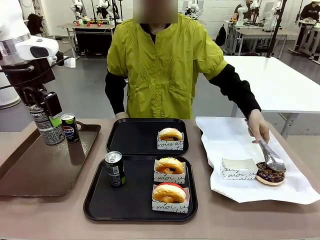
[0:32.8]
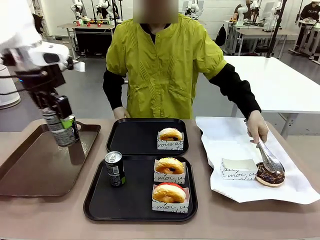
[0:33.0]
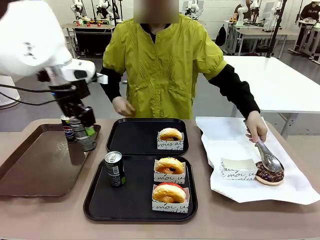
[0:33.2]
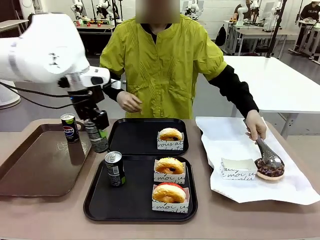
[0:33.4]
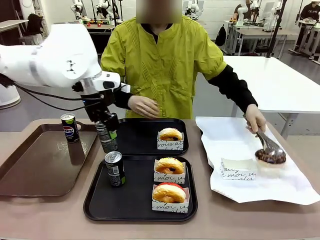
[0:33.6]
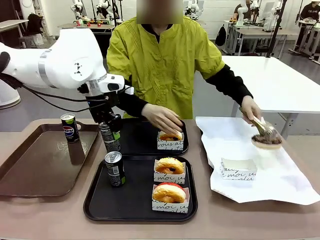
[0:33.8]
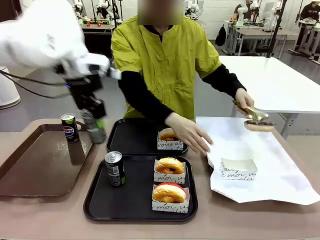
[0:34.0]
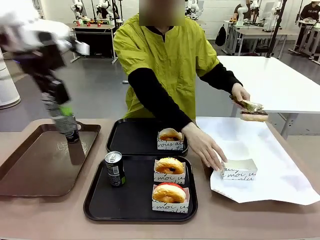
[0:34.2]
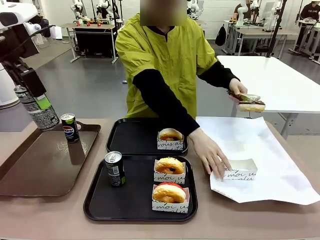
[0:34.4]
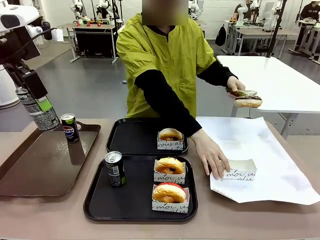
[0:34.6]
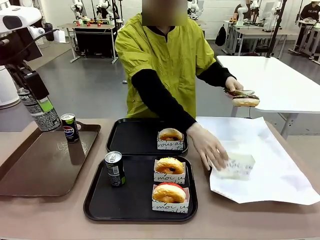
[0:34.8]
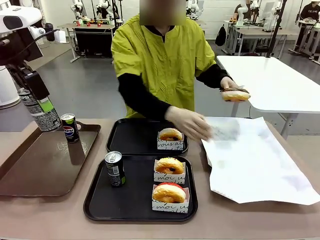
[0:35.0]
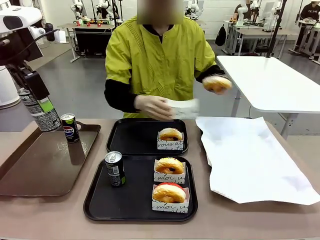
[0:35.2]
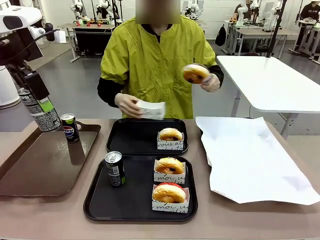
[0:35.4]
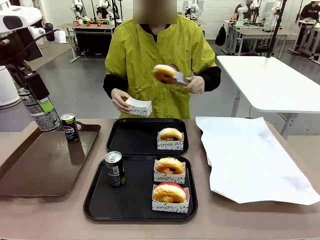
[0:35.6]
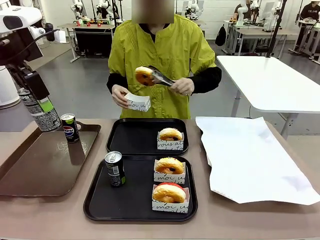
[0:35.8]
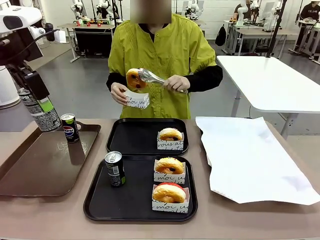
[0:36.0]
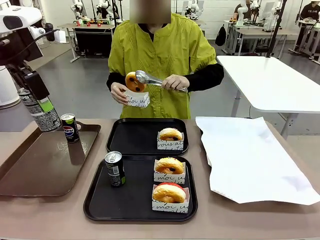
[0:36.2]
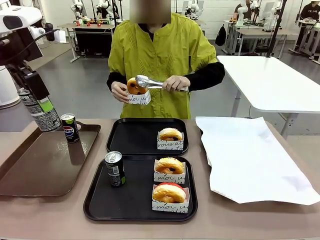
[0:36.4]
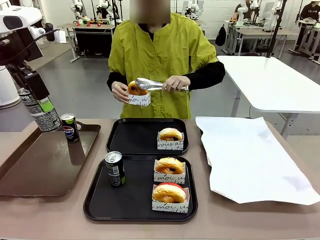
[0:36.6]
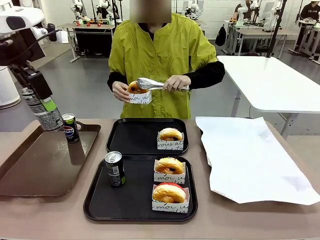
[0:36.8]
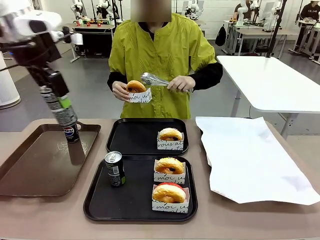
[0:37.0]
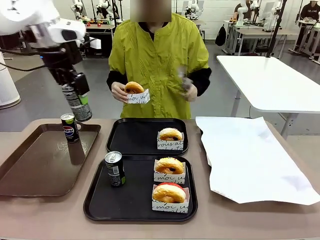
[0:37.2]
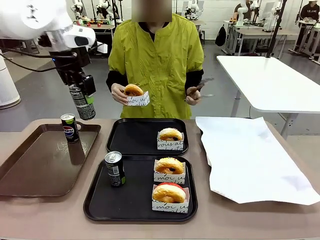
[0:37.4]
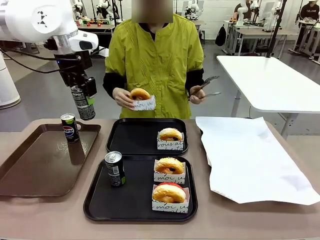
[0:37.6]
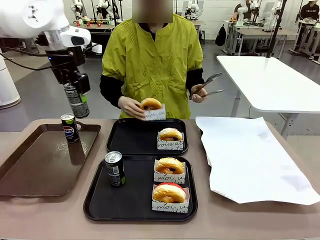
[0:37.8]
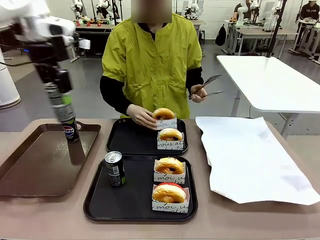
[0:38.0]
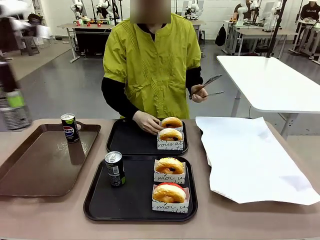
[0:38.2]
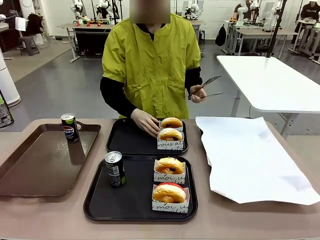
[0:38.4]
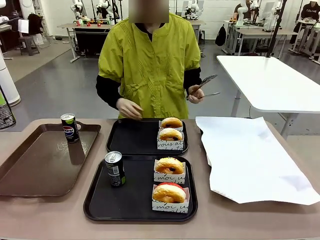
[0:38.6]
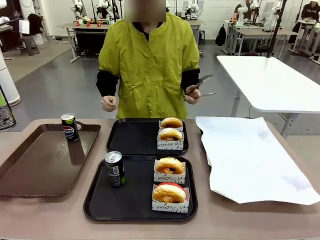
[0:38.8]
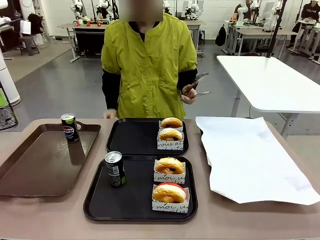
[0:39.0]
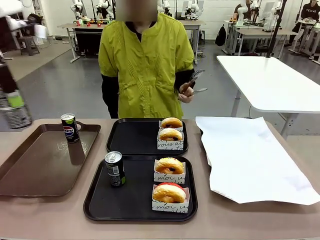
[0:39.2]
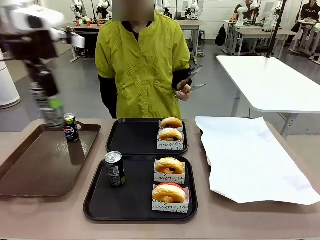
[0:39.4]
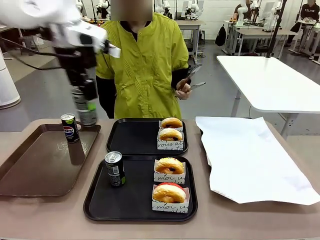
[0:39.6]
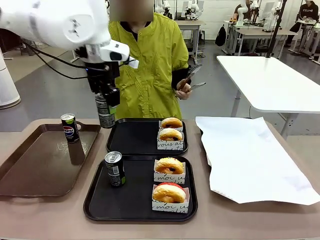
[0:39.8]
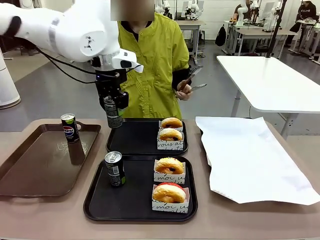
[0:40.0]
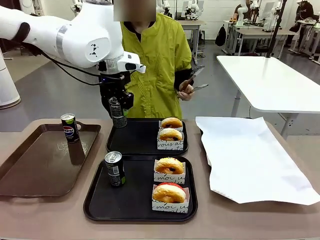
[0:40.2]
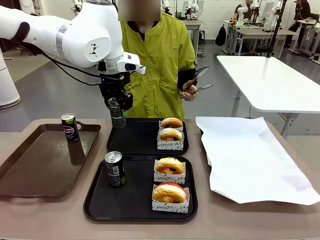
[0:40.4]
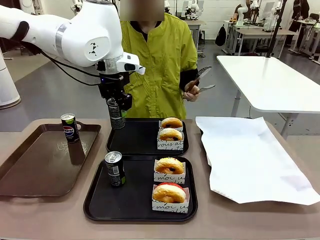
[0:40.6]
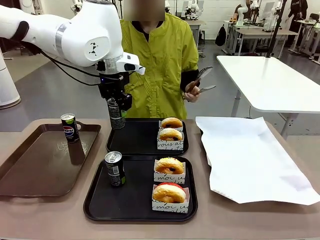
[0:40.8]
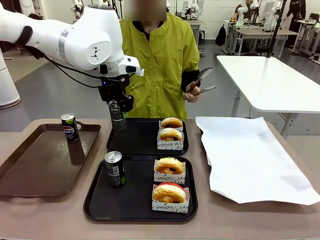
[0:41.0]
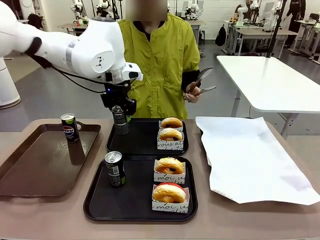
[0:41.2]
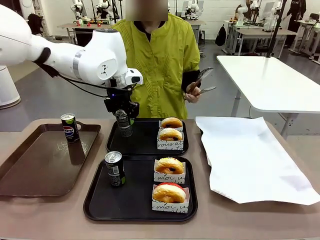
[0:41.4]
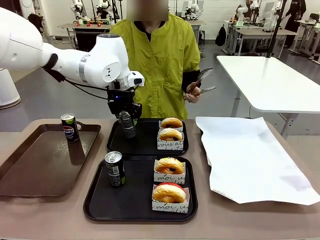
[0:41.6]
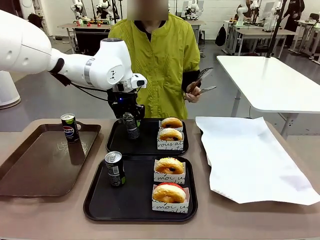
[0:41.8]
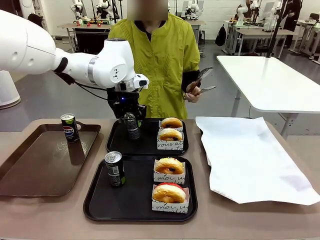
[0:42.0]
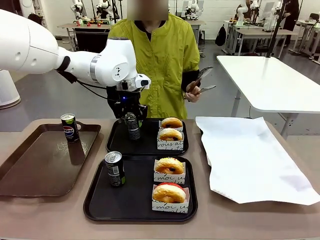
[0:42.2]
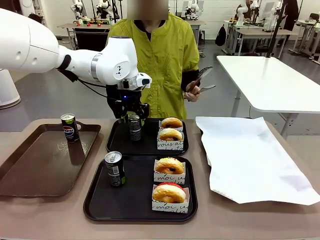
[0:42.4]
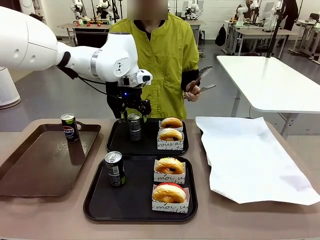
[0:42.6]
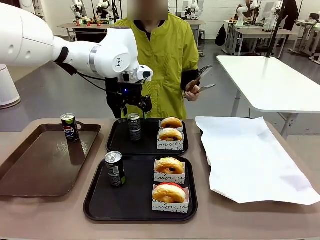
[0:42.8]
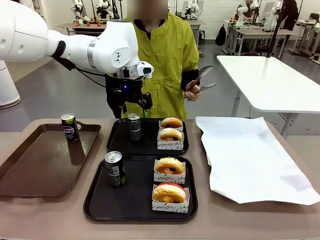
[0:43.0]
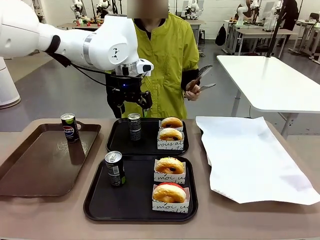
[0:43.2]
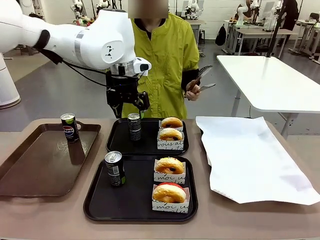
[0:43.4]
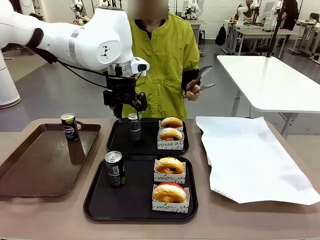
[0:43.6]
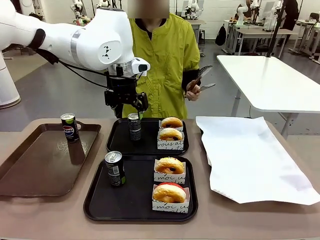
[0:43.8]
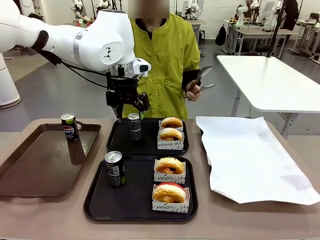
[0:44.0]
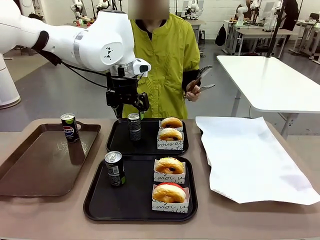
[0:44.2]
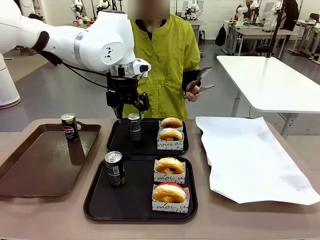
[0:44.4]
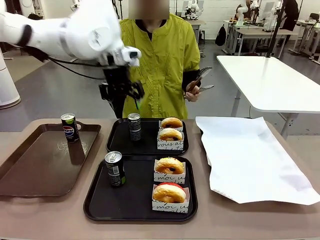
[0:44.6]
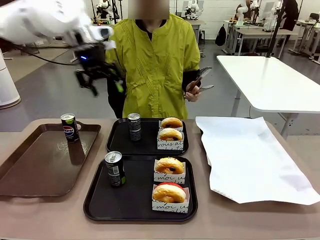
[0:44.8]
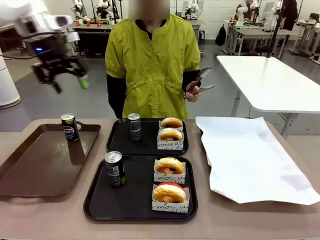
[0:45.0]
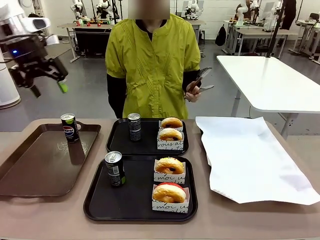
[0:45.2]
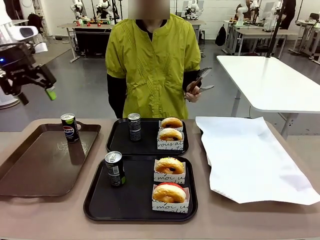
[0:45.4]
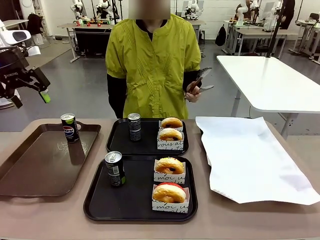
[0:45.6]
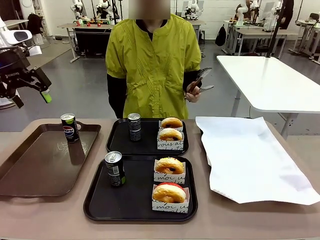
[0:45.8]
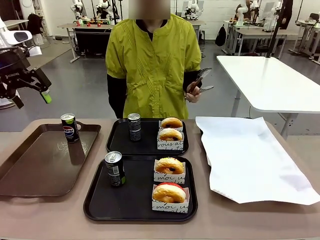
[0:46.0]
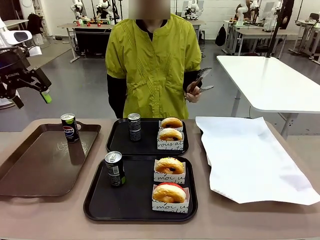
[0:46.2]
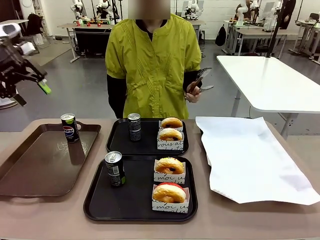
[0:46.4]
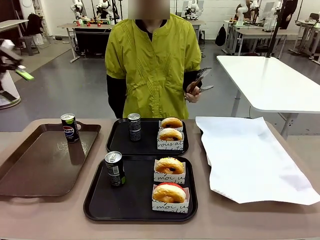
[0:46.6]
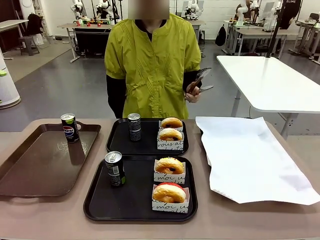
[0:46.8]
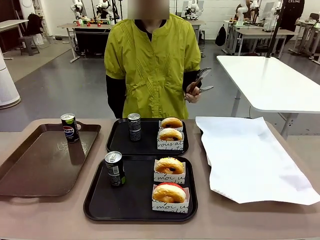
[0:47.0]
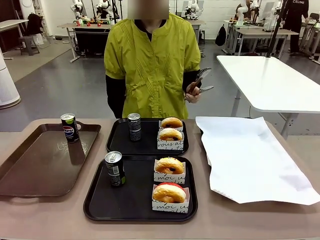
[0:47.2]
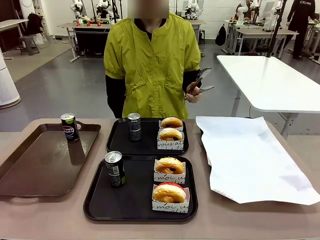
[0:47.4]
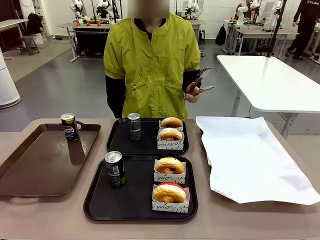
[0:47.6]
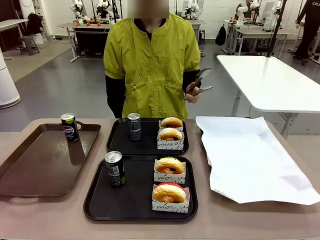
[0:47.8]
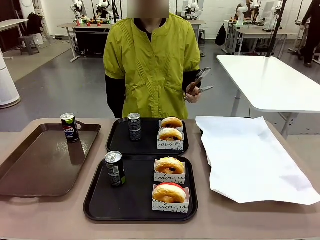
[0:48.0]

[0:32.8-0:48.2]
Task: Set up donuts and drinks on trays.
Robot: Pick up one Pepsi coke from the Handle tray and place it on the Flat Tray without a Pepsi coke.

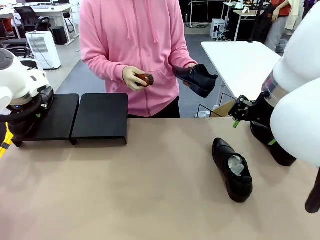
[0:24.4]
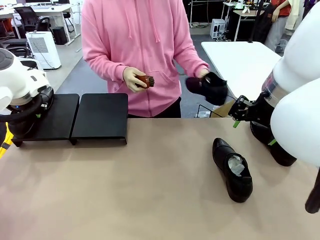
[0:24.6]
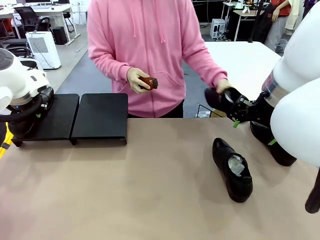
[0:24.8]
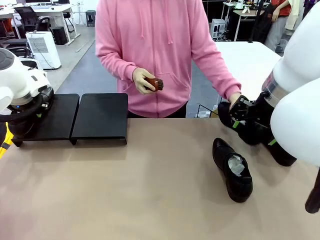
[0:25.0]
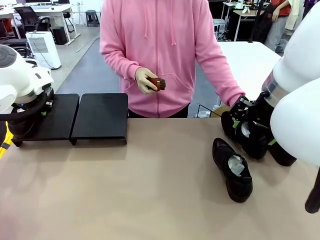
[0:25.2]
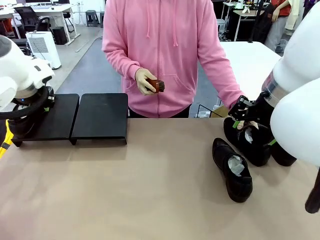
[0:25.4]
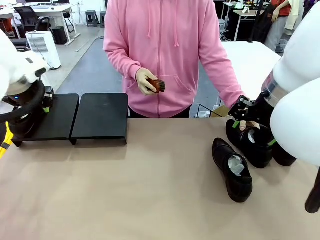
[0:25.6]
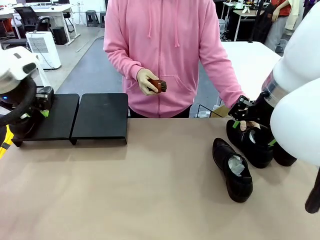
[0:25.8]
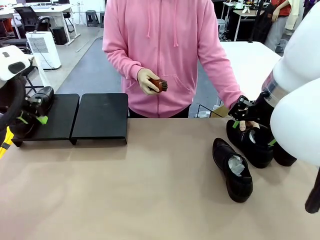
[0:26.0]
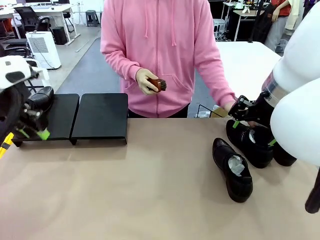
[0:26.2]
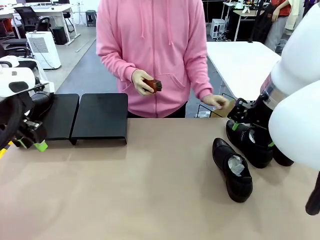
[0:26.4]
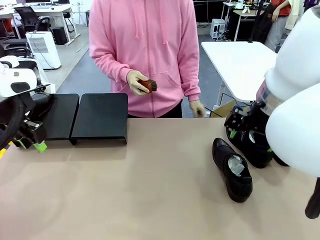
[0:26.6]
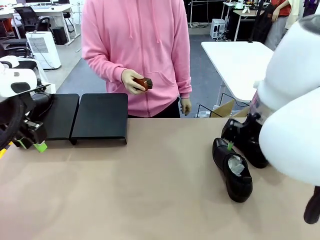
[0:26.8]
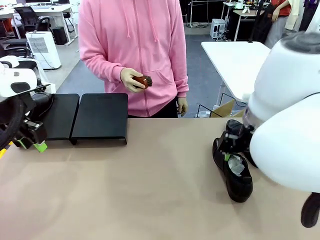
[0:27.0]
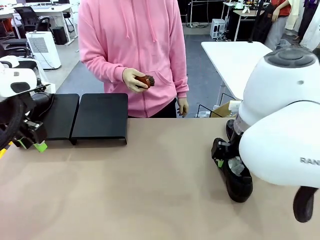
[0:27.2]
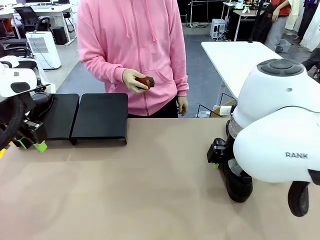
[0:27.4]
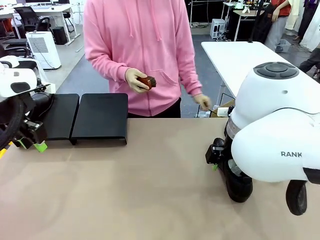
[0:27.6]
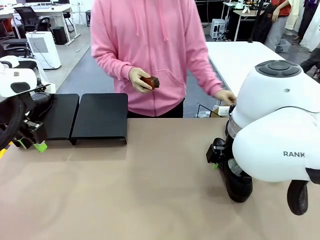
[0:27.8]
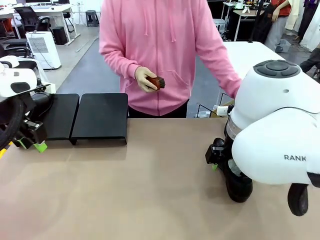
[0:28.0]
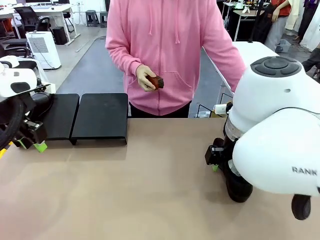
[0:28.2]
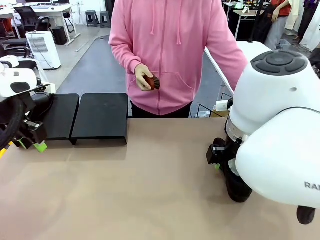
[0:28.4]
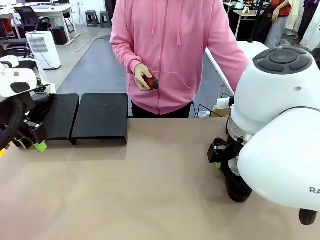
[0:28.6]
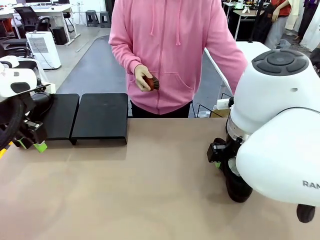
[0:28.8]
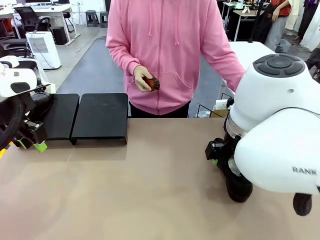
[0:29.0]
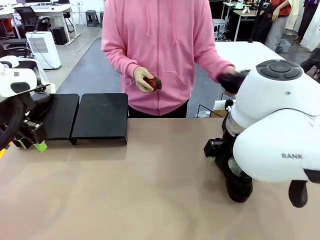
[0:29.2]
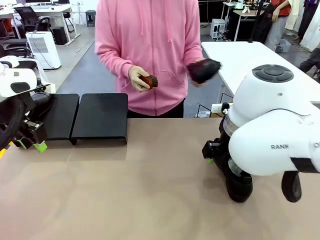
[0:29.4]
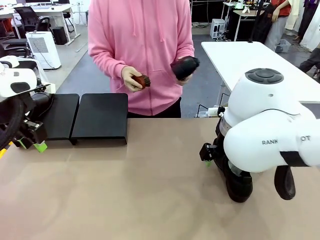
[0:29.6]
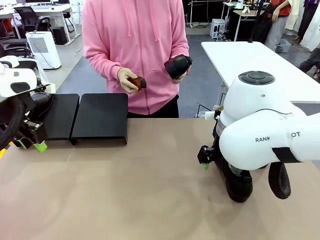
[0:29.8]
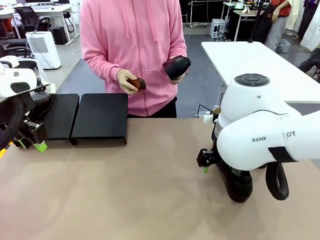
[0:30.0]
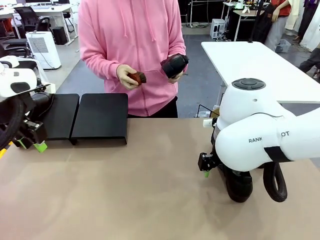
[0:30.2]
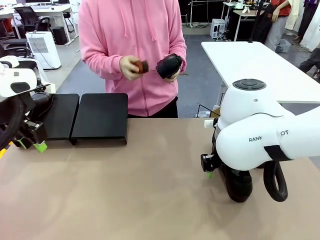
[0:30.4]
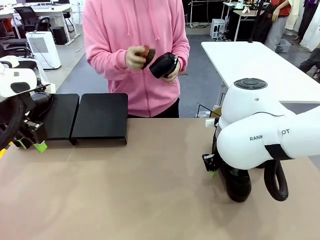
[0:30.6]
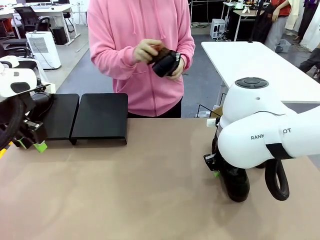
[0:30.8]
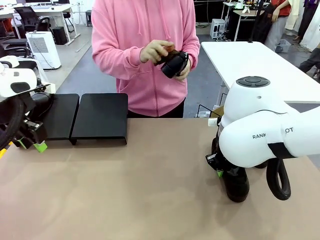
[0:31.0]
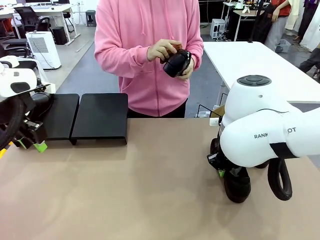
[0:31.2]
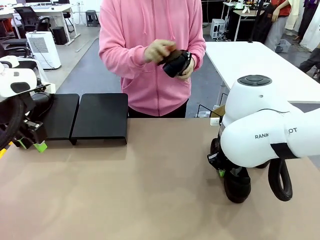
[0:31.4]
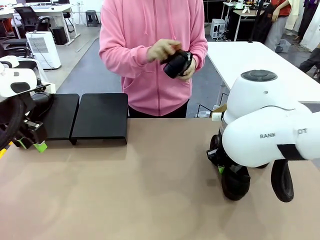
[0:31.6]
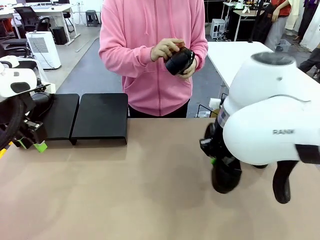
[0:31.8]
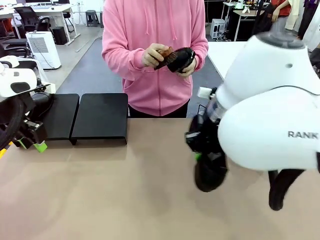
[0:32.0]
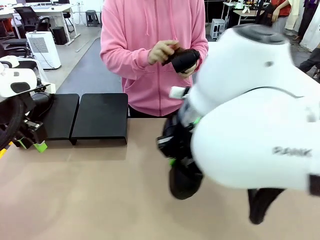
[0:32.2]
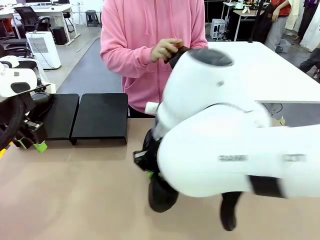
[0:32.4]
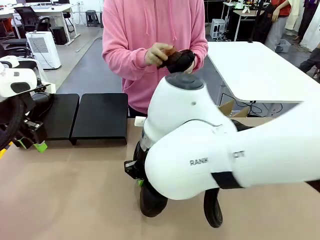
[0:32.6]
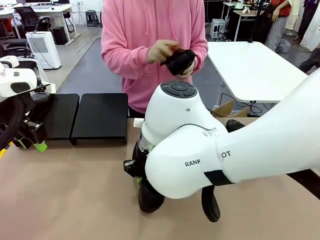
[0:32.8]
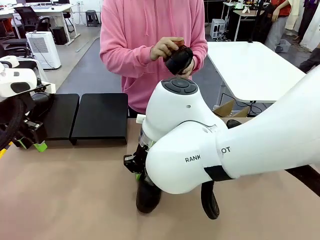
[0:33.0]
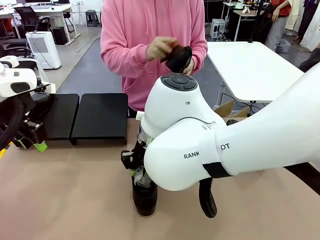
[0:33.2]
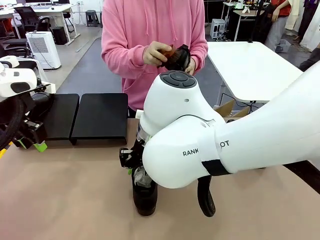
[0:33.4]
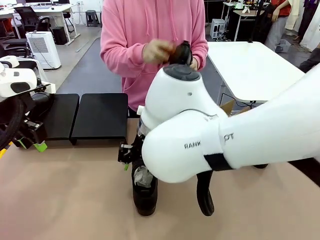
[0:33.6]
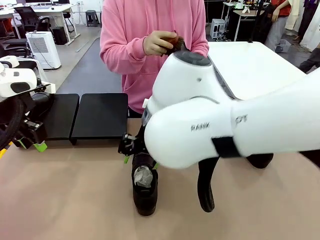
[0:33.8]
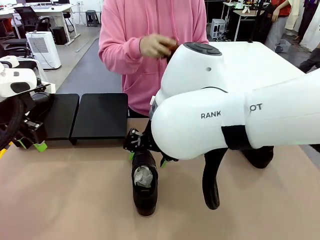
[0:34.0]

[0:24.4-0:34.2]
Task: Organize the shoes by placing them on the stand.
Robot: Pick up one Shoe and place it in the middle of the table.
Person: Place the Shoe on left side of the Robot's table. Pick one Shoe on Robot's table.
